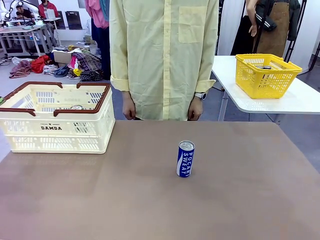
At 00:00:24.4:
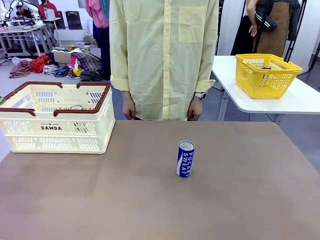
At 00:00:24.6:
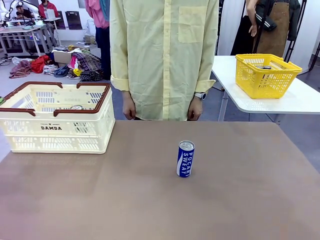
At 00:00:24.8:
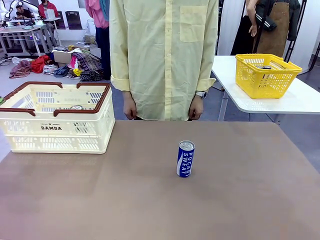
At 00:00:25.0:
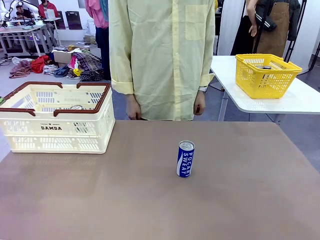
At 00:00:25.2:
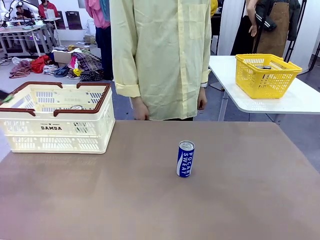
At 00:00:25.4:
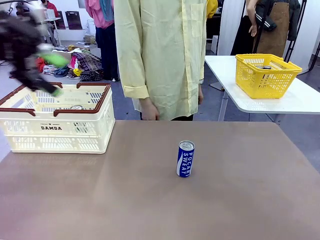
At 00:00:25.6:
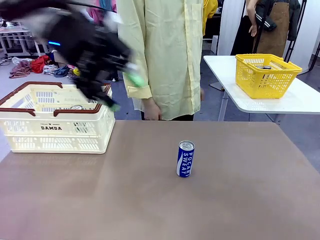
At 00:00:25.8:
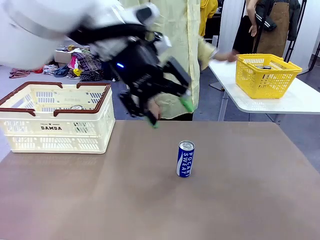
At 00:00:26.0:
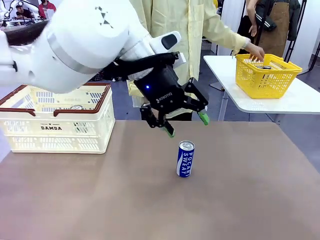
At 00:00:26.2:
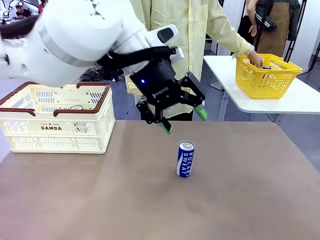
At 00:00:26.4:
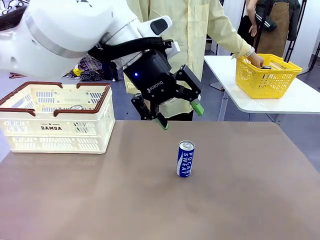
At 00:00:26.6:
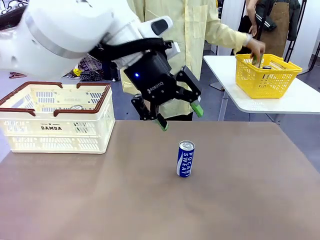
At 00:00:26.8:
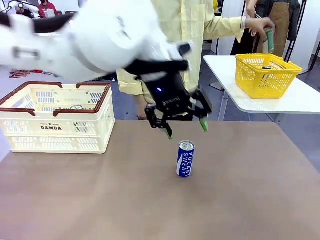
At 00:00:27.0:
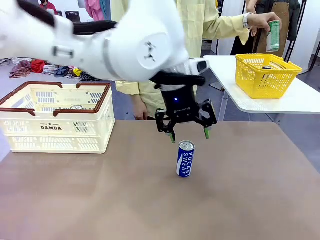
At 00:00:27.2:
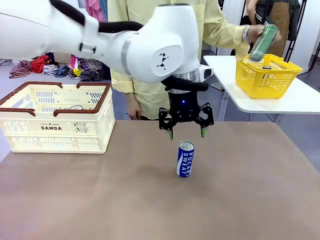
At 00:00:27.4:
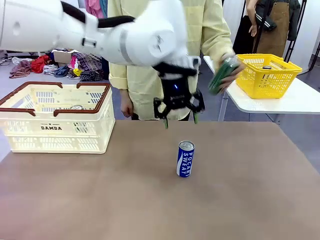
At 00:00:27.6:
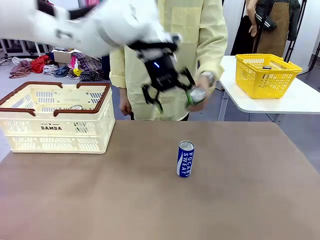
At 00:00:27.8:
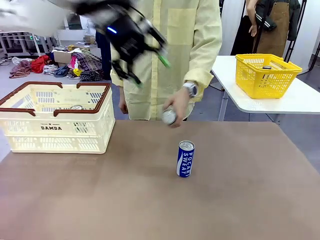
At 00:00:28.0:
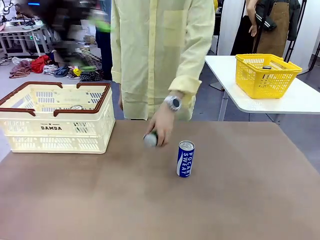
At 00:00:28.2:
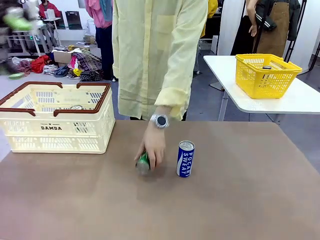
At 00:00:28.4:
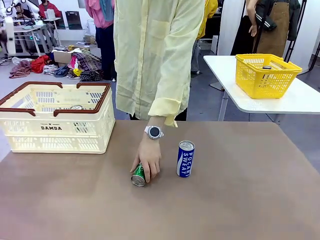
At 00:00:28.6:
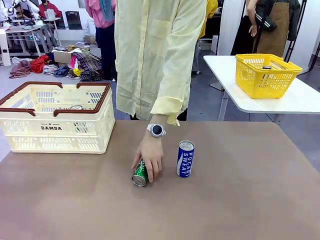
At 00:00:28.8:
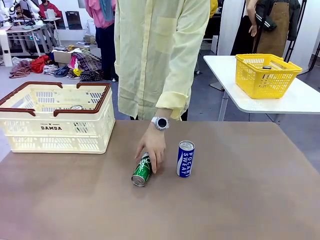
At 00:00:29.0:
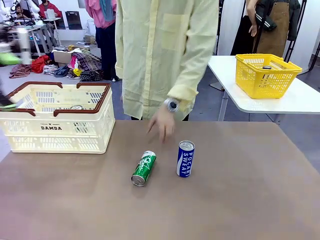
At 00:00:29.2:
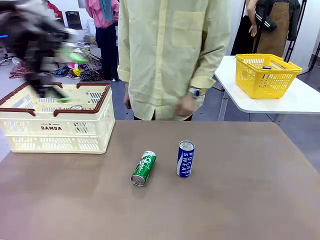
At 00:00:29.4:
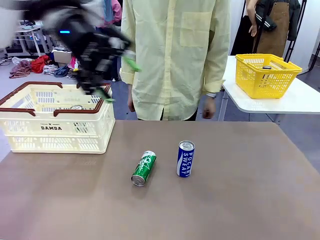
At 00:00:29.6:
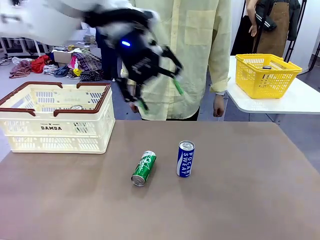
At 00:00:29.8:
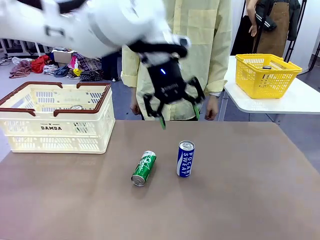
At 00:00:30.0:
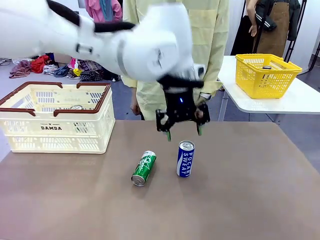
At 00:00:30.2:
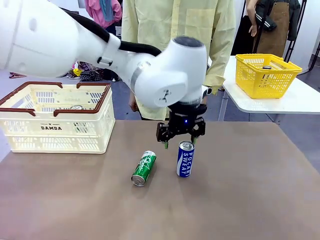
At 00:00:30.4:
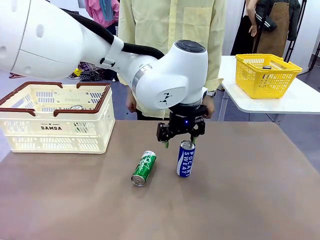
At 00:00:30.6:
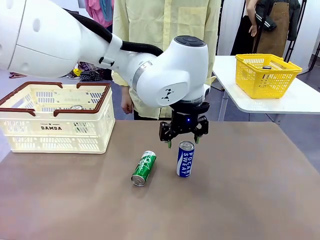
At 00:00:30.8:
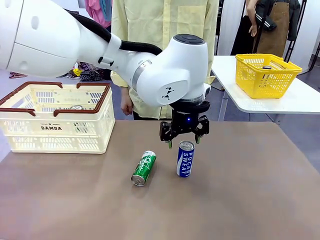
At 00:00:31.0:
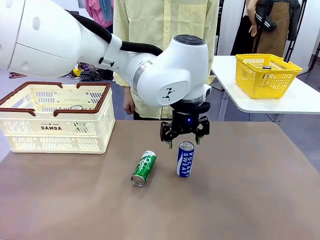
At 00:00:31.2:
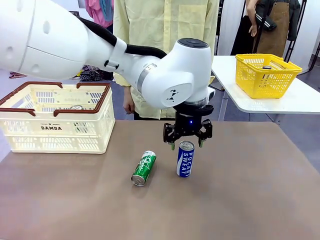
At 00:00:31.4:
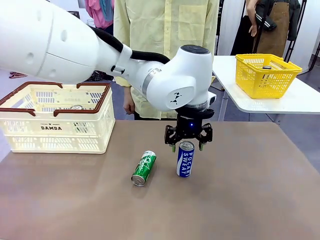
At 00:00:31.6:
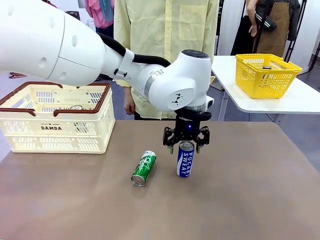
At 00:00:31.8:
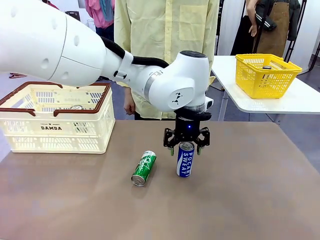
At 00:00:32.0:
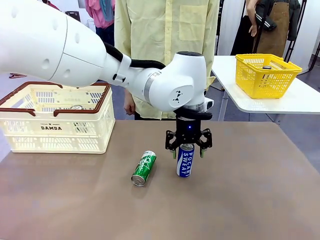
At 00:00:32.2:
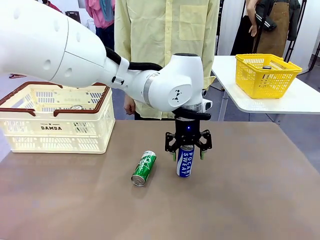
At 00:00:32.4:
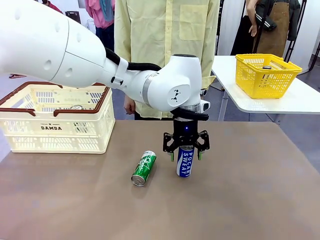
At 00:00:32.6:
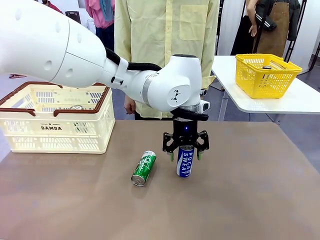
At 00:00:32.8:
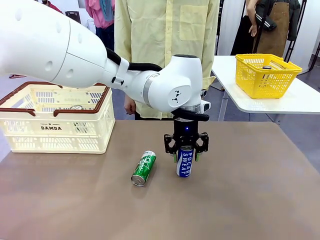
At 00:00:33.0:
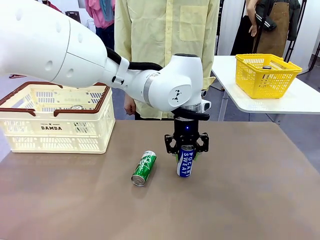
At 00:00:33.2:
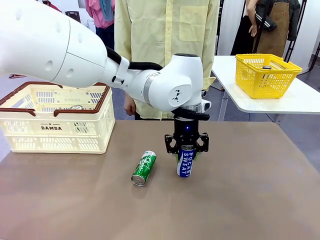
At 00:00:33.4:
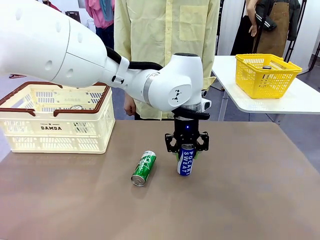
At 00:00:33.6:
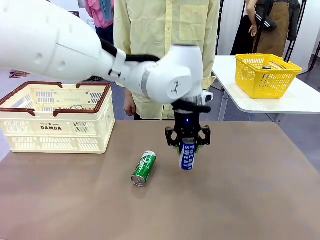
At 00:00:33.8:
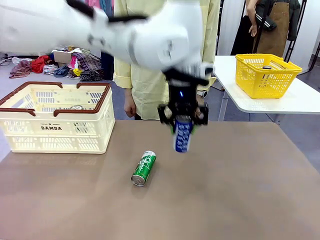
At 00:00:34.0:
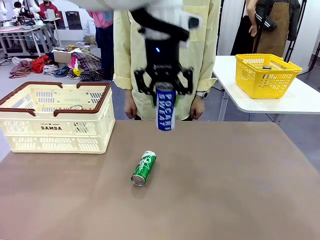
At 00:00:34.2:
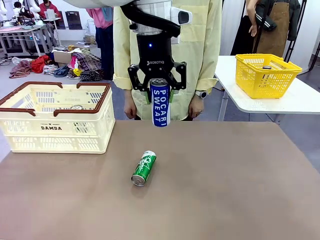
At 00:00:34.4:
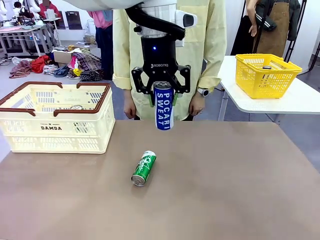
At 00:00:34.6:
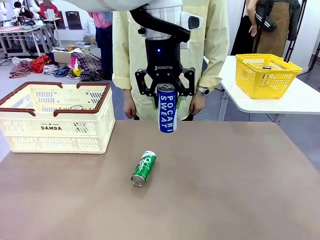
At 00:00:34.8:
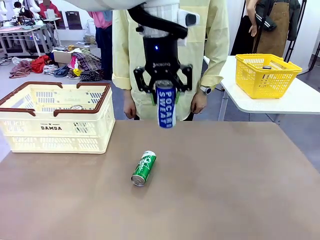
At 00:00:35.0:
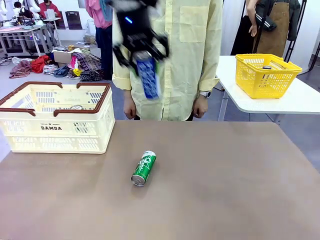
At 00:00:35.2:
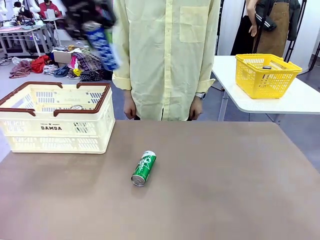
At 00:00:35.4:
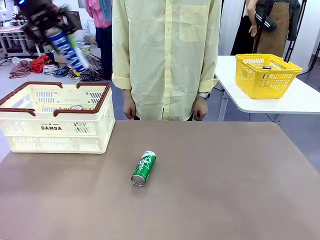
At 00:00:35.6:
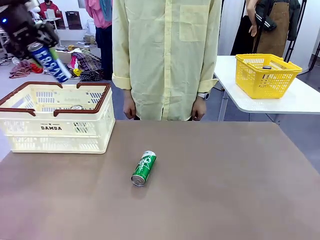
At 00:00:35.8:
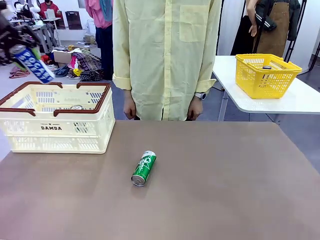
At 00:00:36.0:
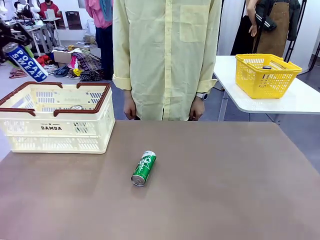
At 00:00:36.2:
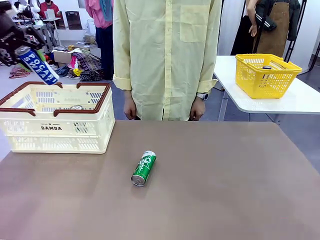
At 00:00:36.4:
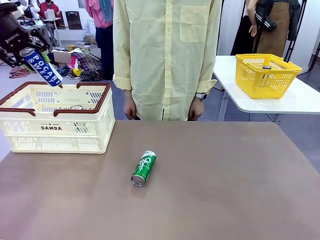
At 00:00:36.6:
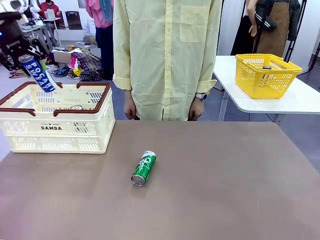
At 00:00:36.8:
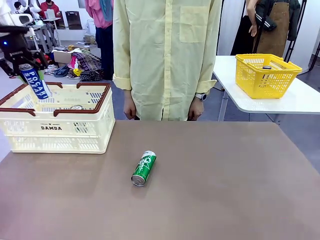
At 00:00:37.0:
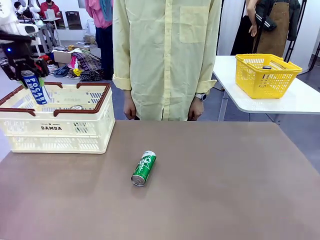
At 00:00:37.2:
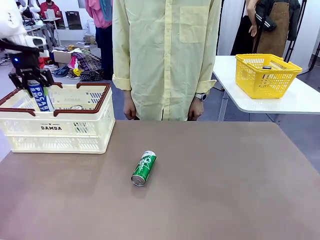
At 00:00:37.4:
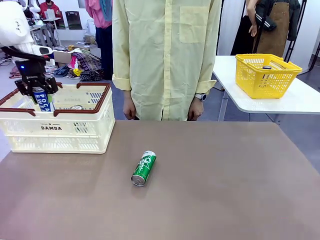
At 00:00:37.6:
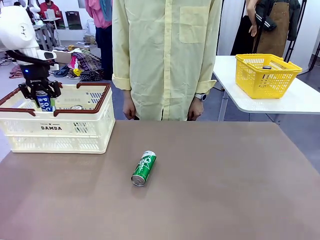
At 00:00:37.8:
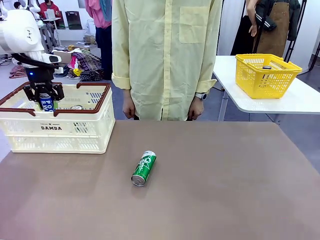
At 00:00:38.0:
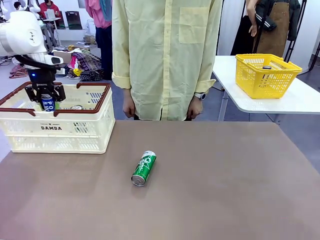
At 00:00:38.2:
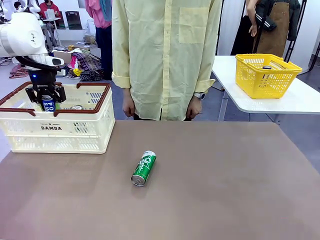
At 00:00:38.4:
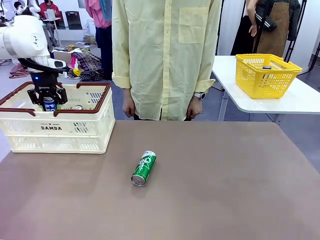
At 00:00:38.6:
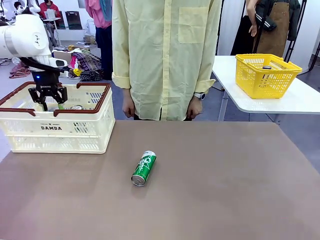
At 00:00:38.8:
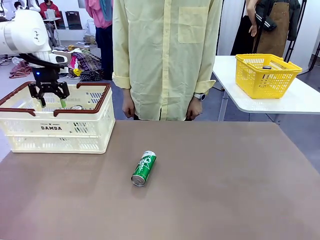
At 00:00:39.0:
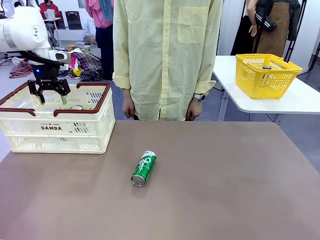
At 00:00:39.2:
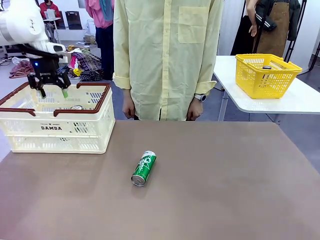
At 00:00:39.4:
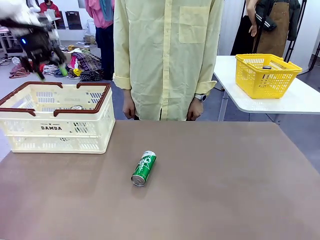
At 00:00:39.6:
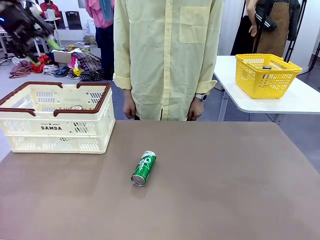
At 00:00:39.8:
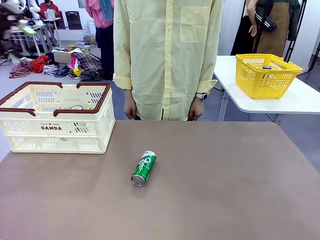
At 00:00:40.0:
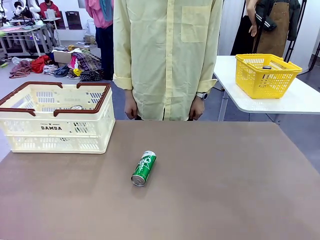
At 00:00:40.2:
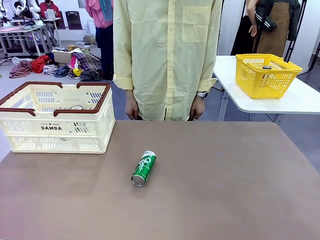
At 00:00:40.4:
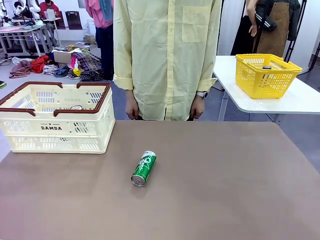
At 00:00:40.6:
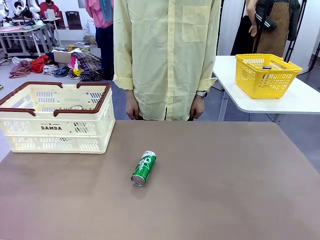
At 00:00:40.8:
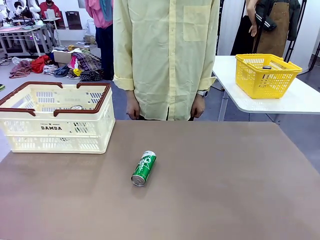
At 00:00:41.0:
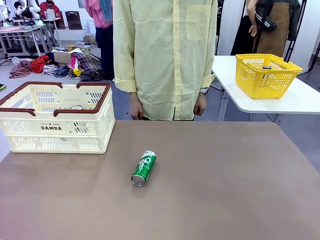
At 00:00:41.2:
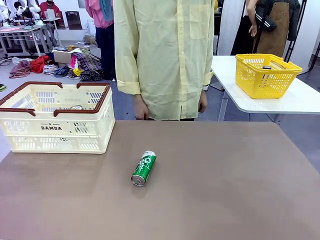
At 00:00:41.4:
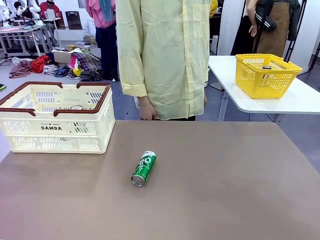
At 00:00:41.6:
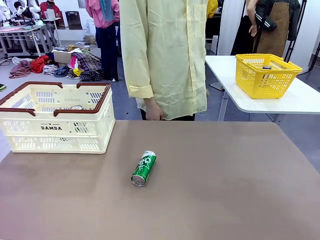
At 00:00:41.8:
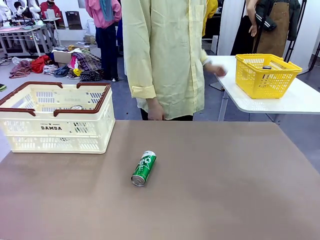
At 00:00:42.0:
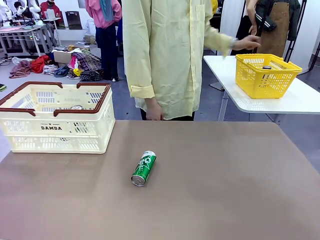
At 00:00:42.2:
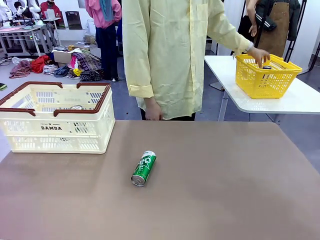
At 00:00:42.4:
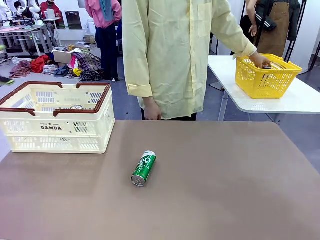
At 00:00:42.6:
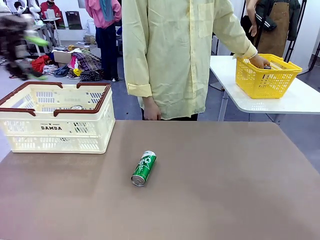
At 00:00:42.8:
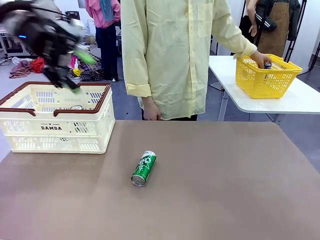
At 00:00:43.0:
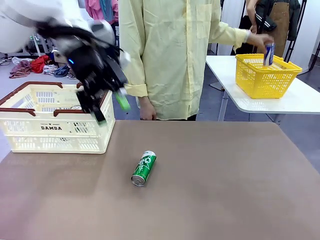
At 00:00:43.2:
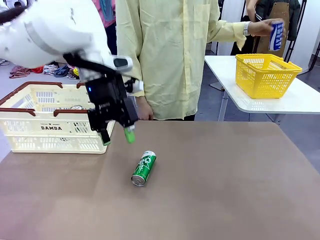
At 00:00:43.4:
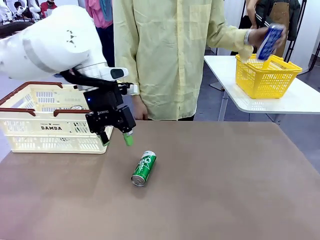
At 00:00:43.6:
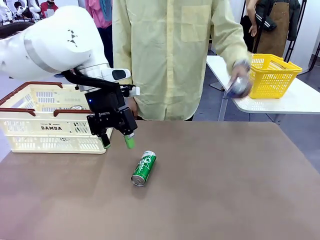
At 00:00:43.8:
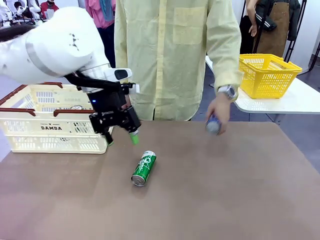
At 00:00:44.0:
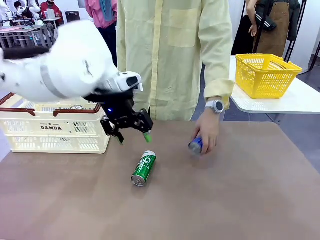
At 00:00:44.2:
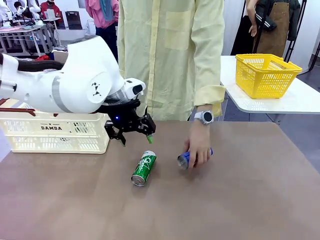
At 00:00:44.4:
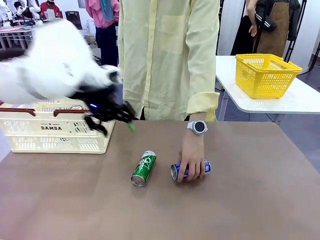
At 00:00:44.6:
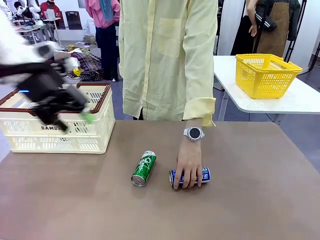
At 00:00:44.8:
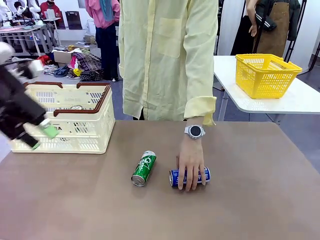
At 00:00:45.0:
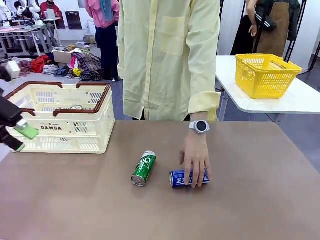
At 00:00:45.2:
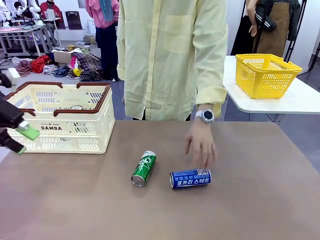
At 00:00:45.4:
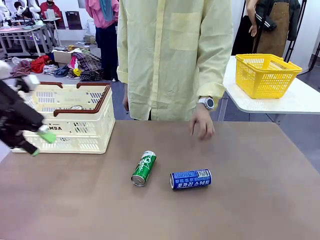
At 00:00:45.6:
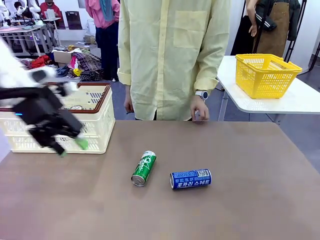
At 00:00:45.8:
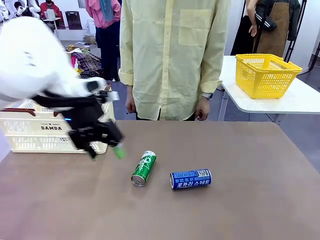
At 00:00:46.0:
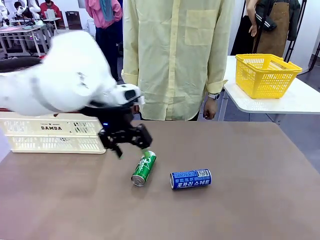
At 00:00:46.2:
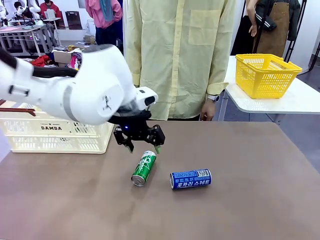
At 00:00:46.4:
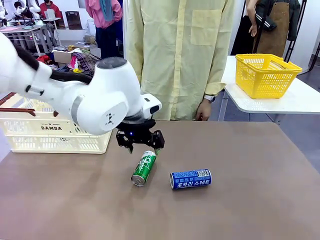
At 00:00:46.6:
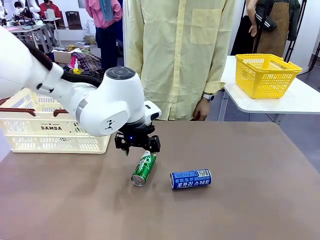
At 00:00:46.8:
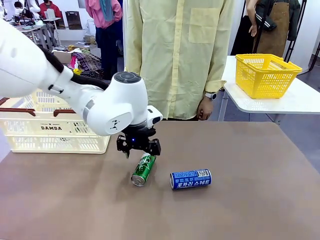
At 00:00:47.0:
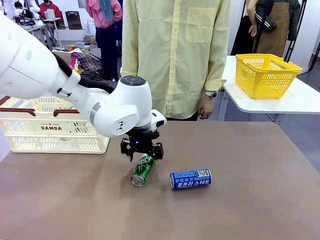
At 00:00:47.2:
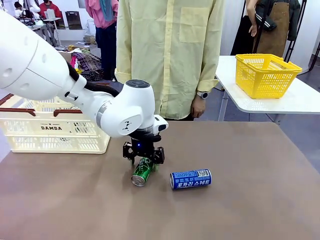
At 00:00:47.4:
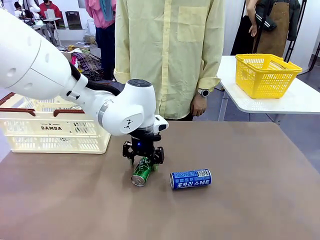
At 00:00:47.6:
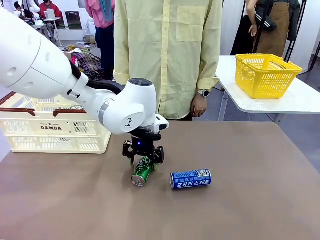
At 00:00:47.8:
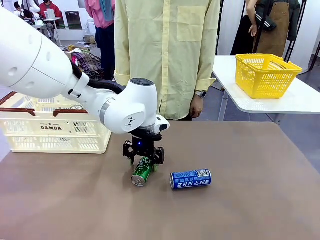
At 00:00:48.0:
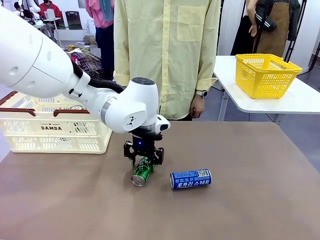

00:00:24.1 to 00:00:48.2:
Task: Place the drinks into the Shopping basket.
Robot: Pick up one drink and place it into the Shopping basket.
